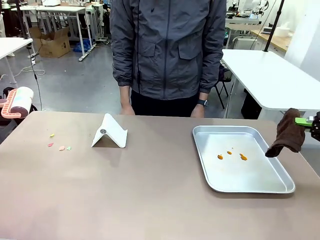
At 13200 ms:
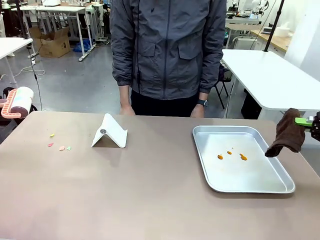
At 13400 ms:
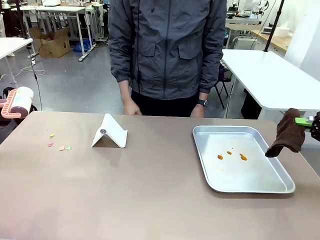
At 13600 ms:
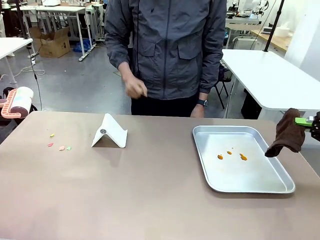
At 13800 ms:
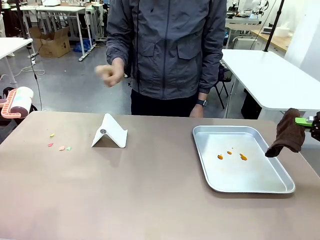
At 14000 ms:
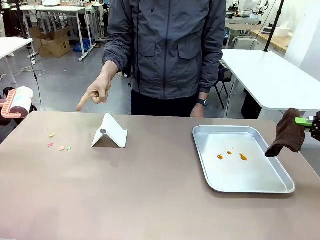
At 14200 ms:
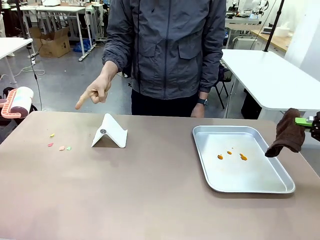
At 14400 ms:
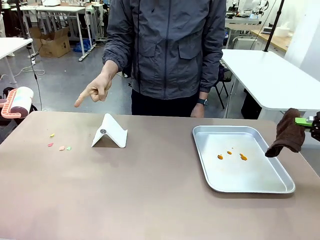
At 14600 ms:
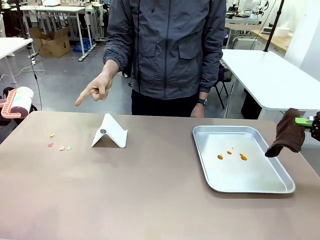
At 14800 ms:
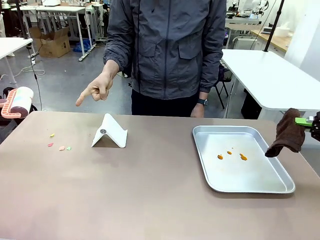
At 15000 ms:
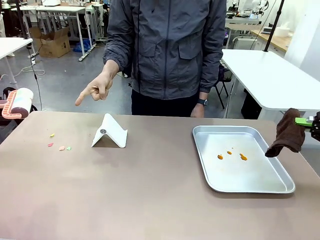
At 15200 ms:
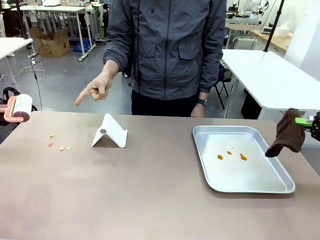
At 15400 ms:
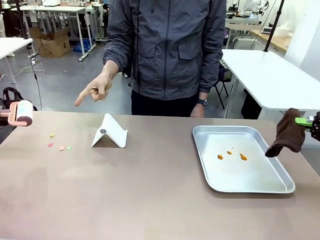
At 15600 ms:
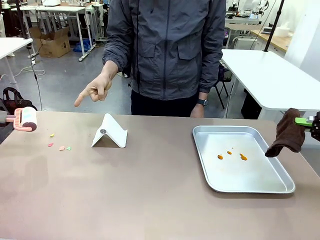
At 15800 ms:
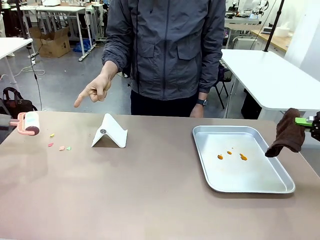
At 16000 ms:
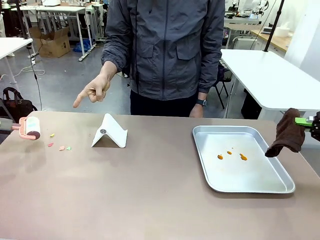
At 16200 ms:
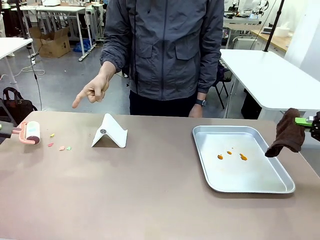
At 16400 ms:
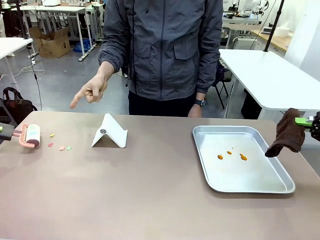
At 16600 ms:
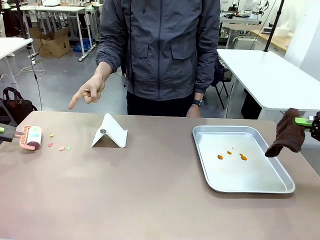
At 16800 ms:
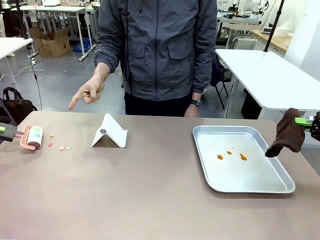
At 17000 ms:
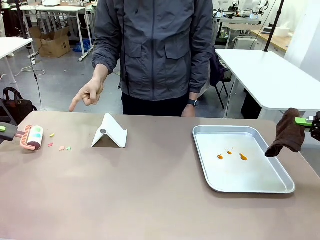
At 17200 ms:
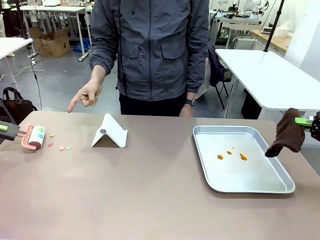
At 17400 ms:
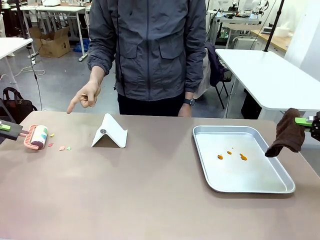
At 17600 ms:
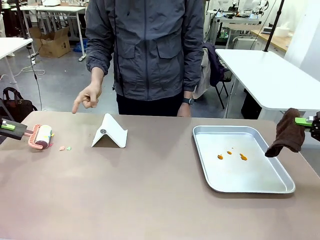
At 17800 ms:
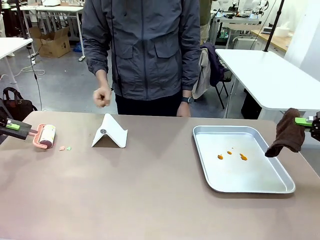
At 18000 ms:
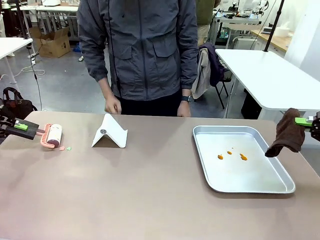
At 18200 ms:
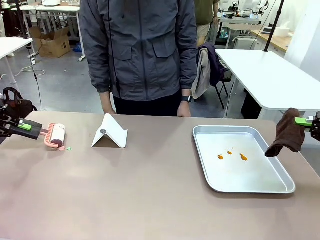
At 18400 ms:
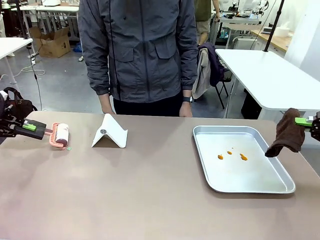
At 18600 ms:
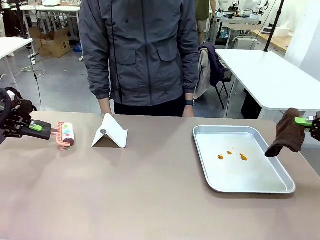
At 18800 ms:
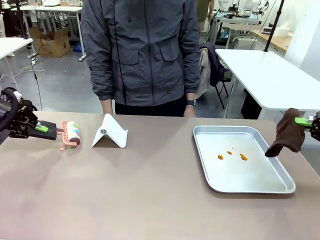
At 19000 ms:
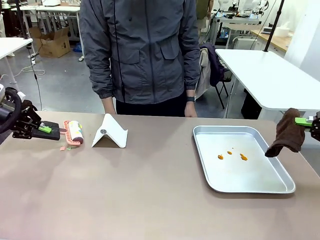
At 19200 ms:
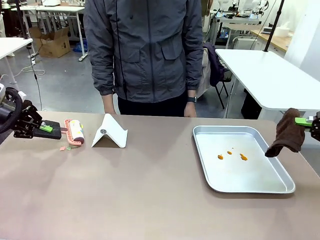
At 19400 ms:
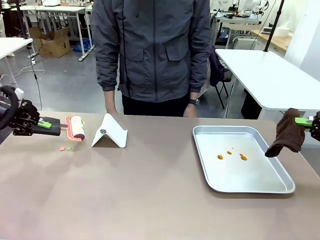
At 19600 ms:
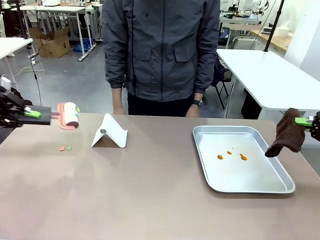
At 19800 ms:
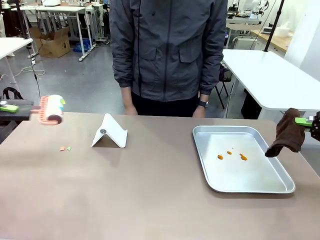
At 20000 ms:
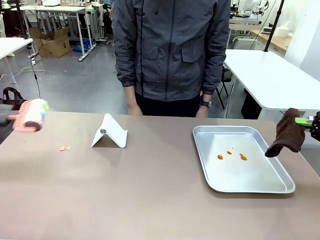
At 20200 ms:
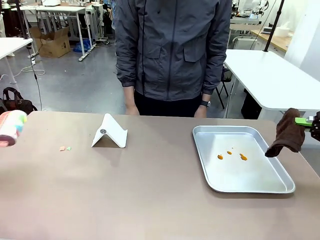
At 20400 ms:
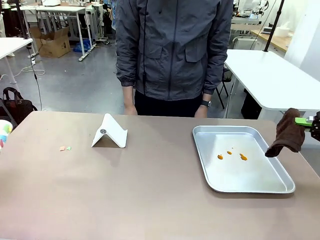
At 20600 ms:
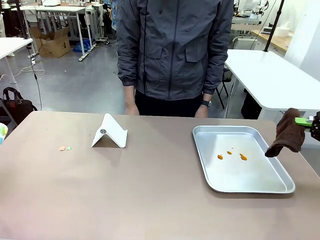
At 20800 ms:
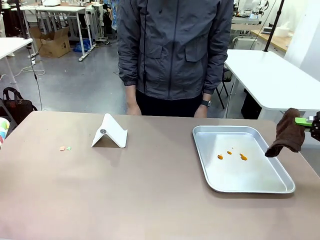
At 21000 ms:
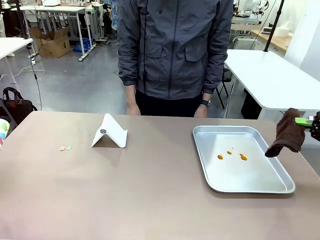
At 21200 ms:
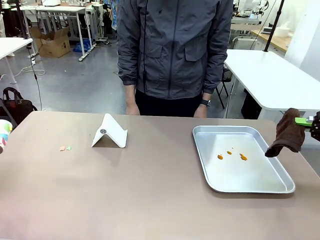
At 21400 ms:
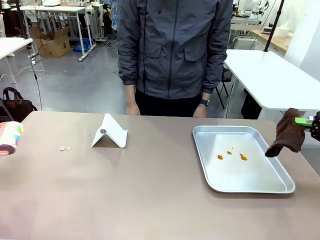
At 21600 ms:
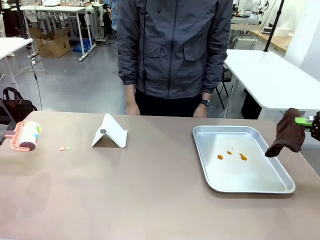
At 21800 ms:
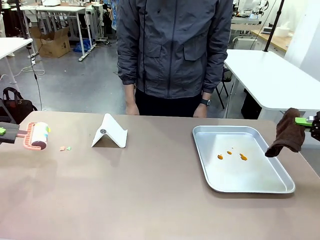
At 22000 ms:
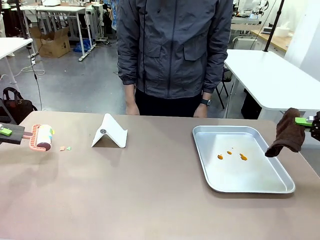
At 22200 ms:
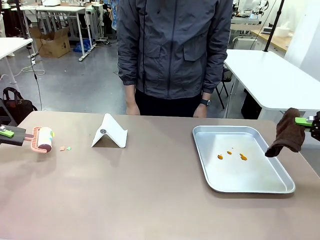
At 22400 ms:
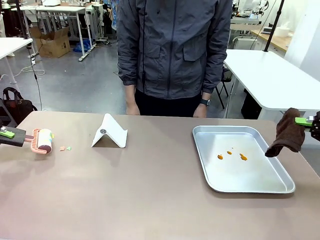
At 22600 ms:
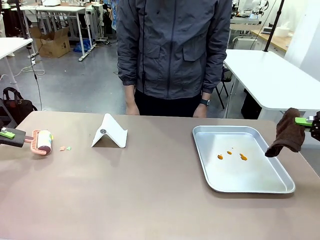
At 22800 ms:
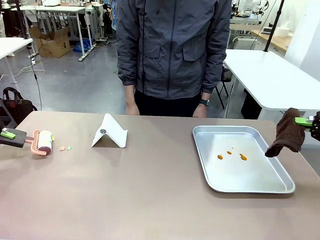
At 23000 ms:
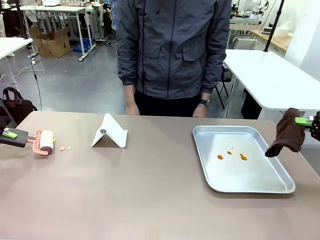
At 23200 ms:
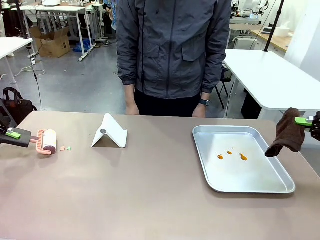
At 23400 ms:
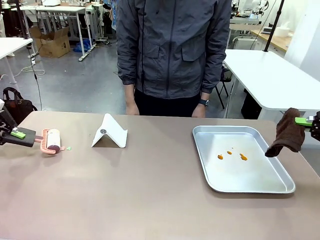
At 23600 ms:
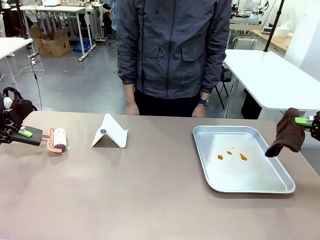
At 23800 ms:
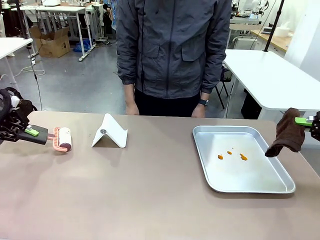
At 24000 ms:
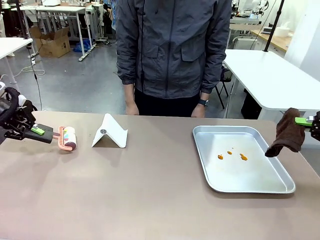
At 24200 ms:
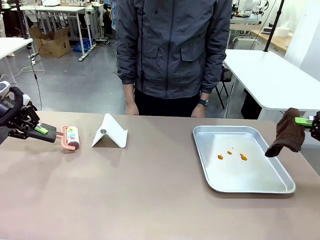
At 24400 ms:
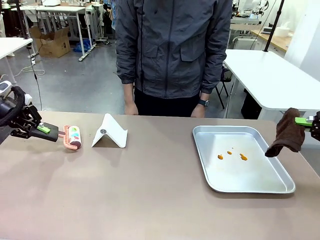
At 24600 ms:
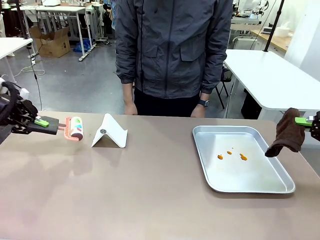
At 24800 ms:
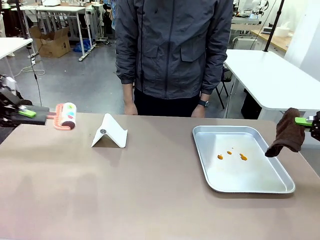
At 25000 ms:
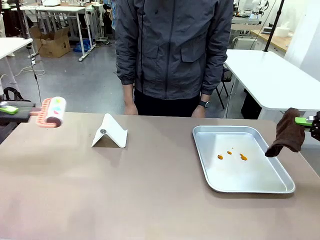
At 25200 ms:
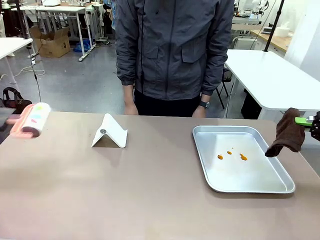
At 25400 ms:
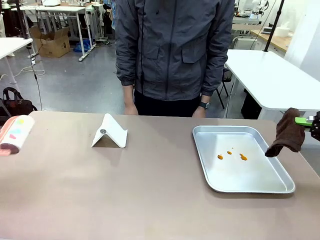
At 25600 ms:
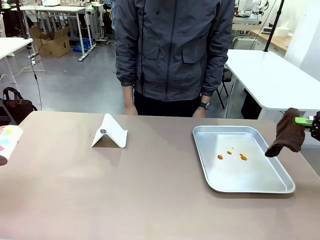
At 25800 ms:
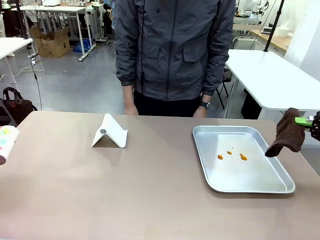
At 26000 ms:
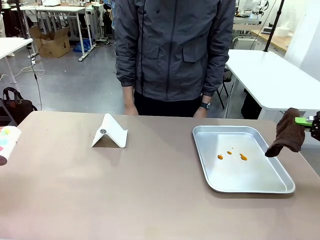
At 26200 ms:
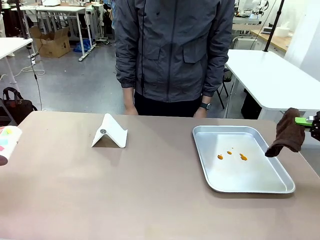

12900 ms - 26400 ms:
Task: Clean the surface of the table.
Robot: If a person points to the right, clean the right side of the table with your right hand, and if they point to the left, clean the left side with your left hand.

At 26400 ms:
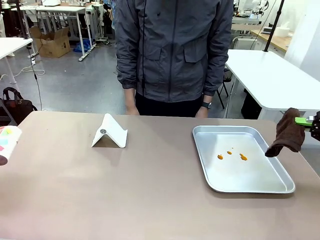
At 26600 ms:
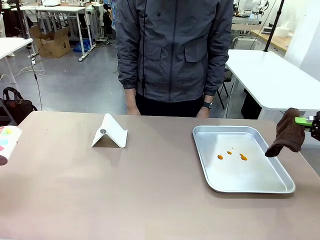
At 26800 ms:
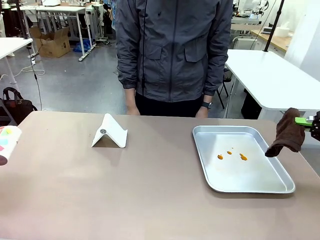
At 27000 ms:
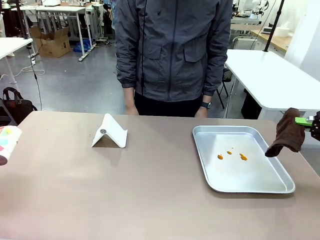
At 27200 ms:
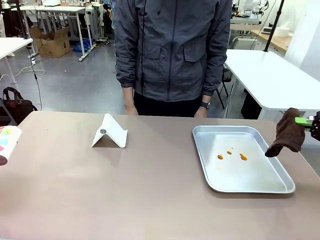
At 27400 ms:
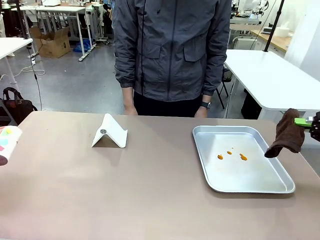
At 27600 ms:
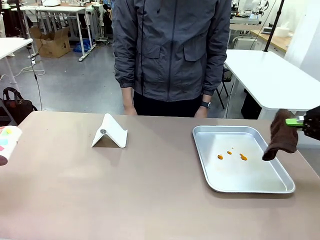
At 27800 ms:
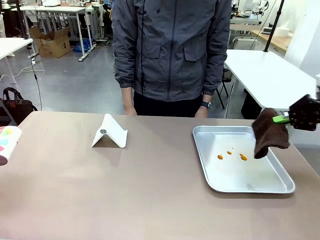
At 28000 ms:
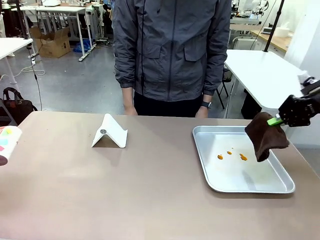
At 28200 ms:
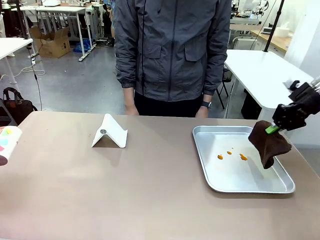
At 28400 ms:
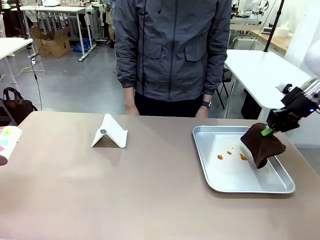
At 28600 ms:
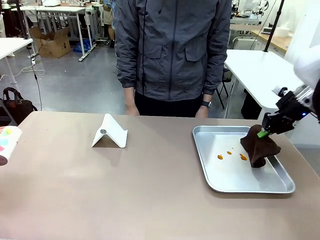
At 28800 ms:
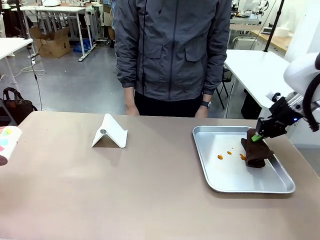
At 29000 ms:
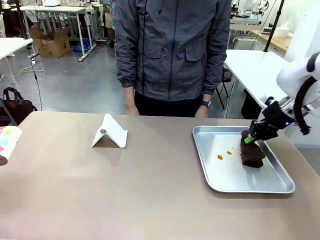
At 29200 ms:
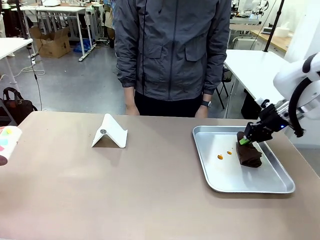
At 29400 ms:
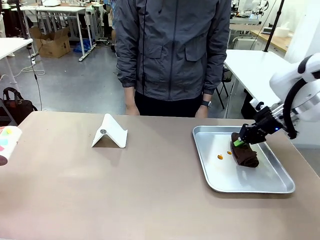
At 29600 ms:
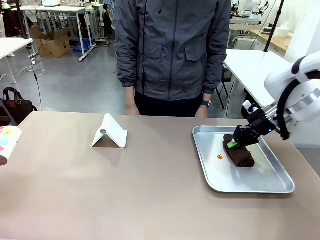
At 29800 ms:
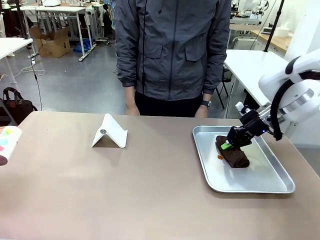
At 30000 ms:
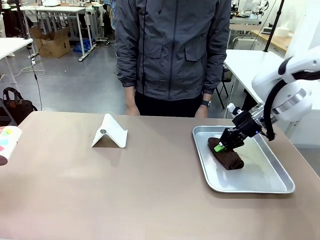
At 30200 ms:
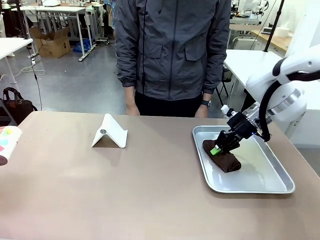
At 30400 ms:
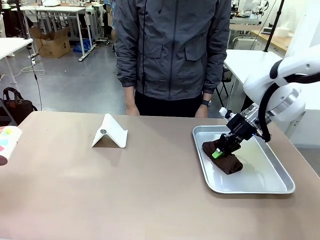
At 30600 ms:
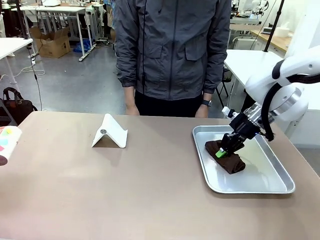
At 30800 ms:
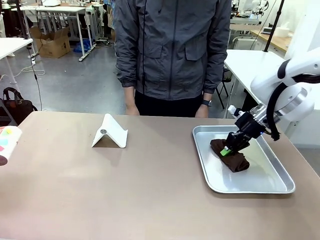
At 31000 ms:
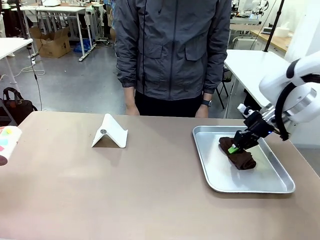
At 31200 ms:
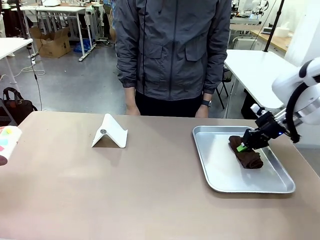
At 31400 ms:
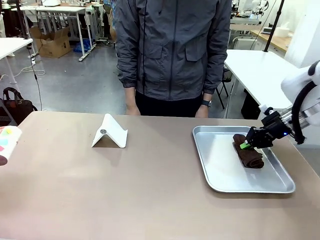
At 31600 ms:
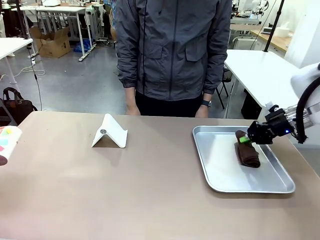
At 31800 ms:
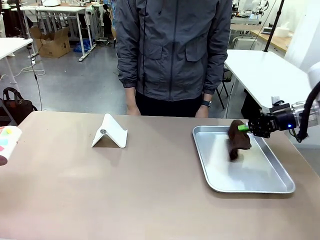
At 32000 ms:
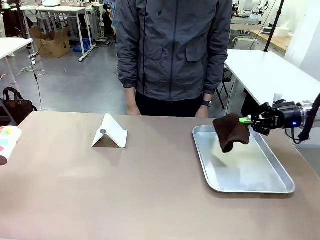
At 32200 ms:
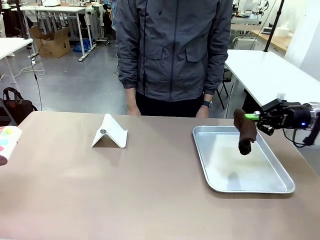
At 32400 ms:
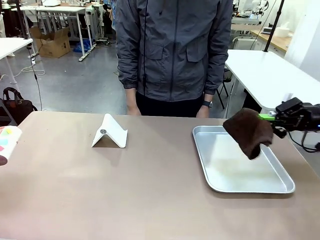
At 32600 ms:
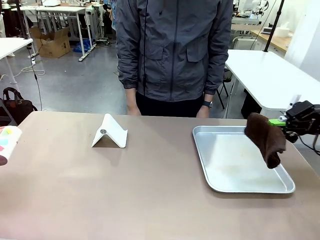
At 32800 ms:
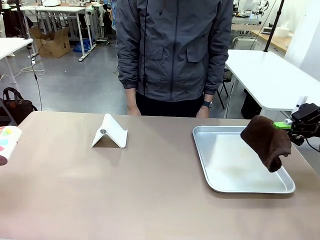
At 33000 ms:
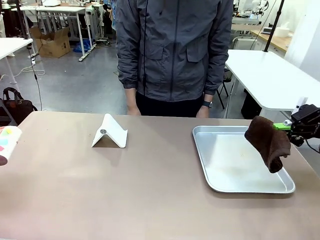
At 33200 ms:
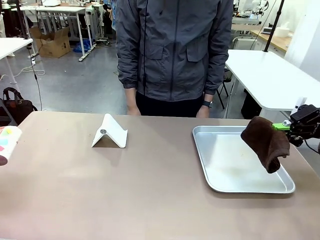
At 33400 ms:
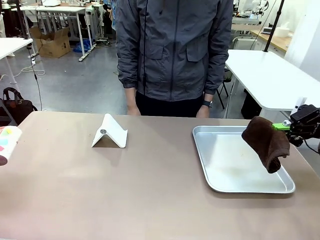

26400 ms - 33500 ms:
Robot: Clean the area not pointed to by the person.
